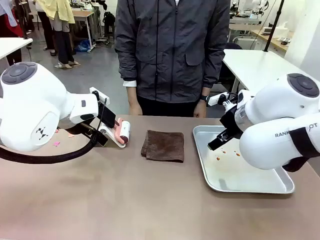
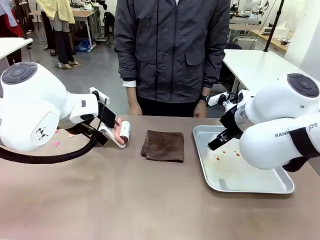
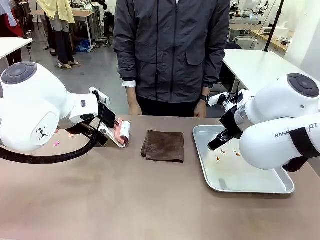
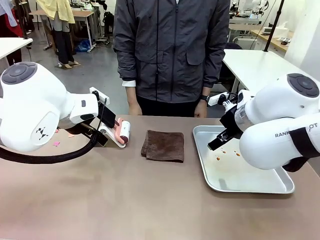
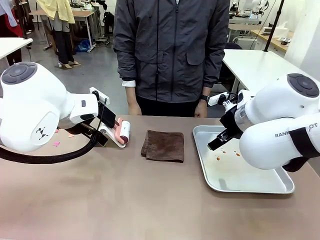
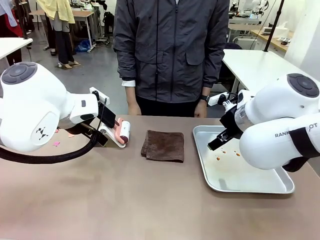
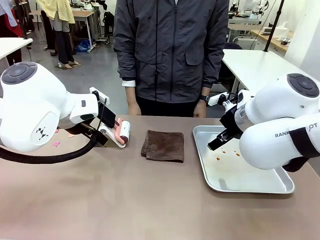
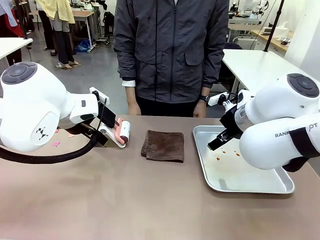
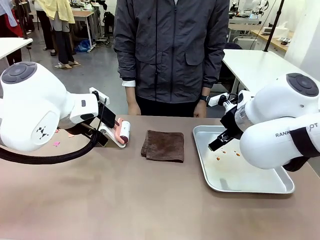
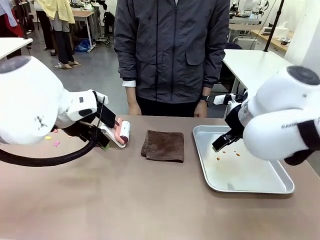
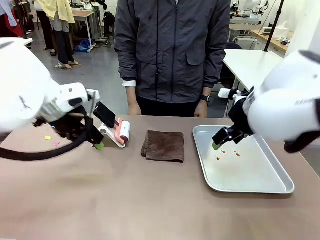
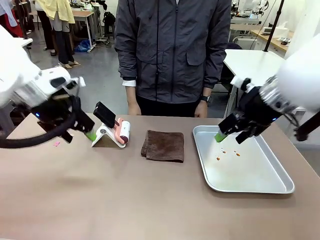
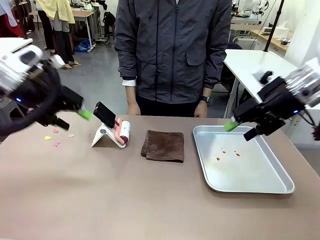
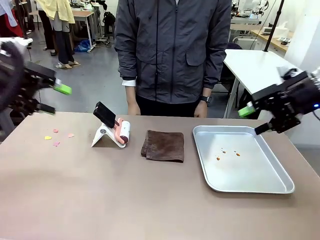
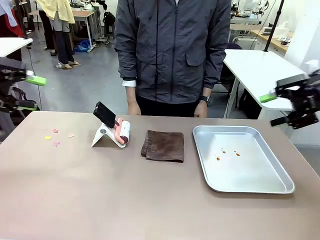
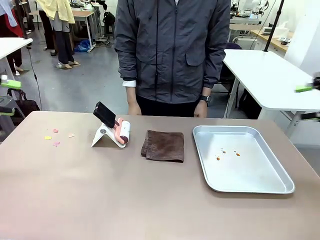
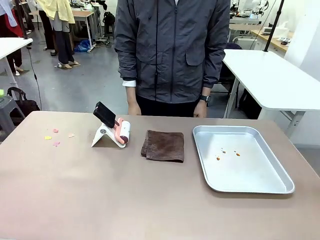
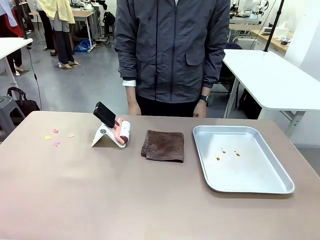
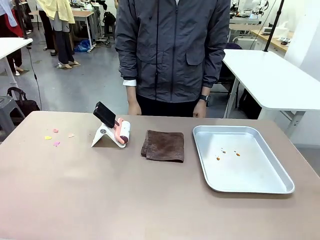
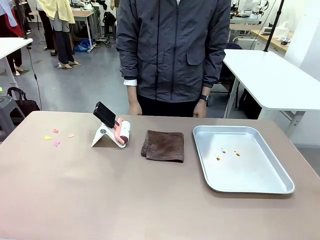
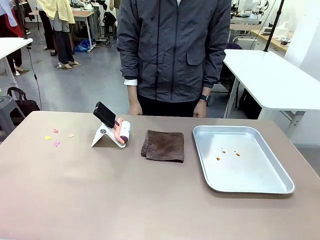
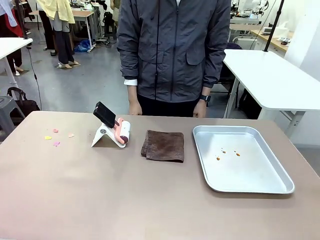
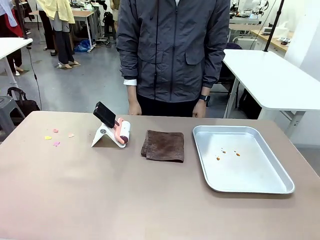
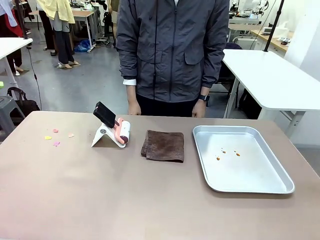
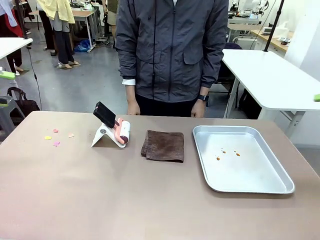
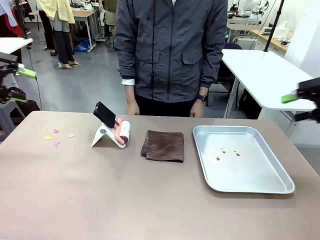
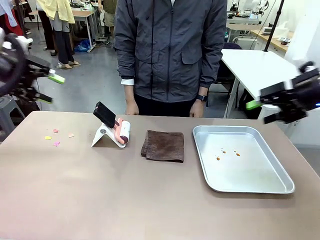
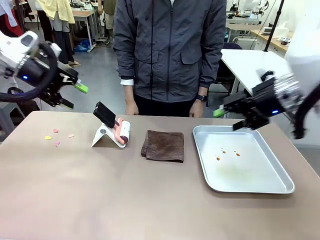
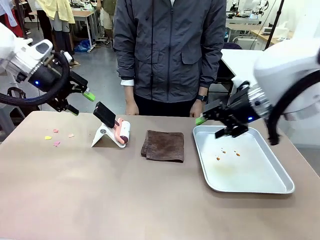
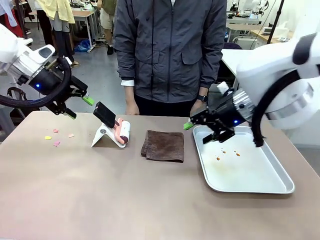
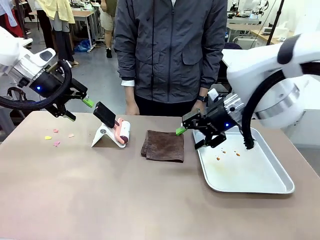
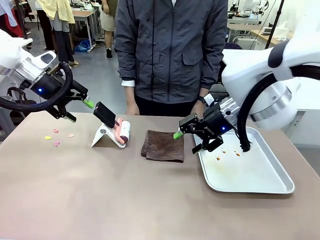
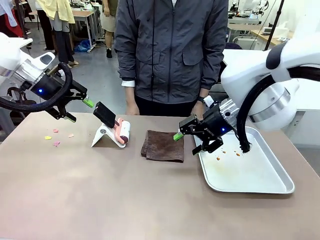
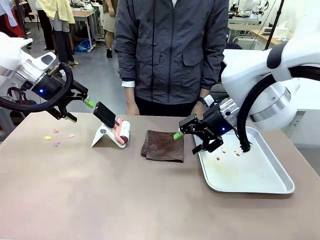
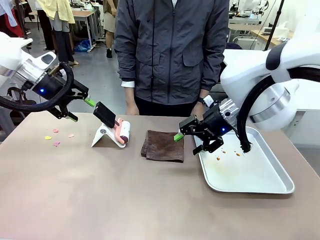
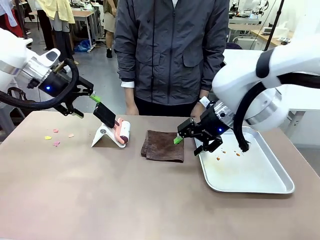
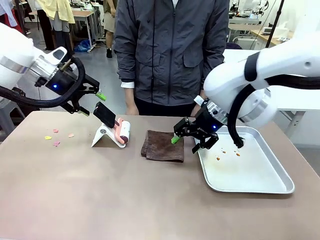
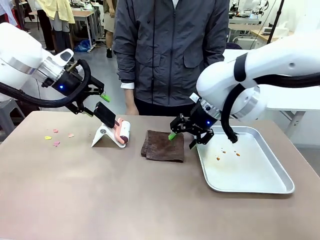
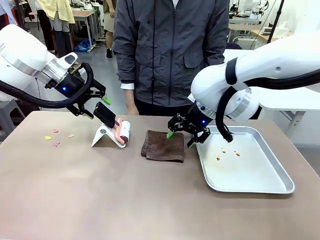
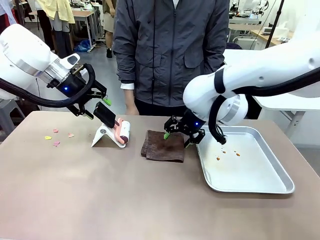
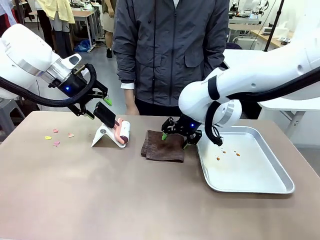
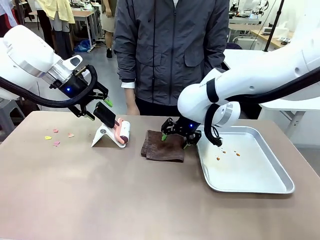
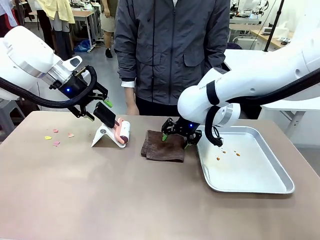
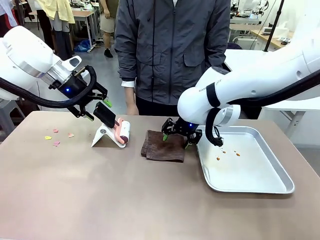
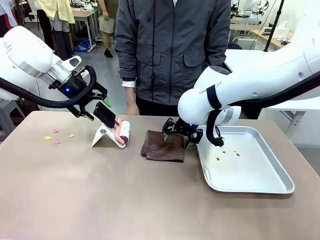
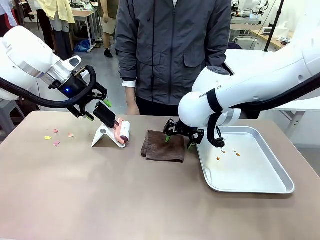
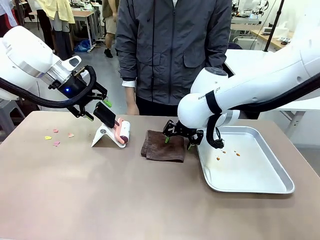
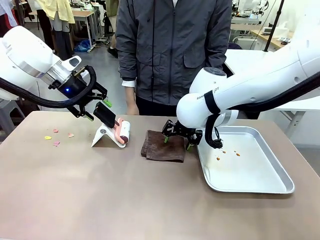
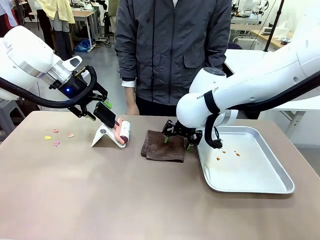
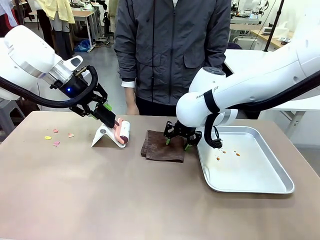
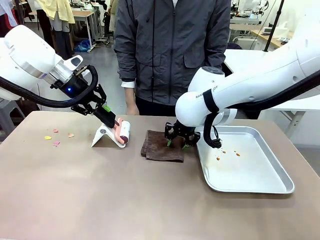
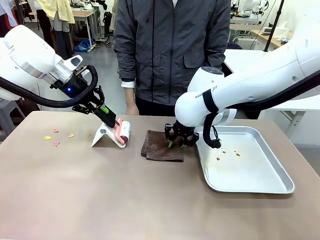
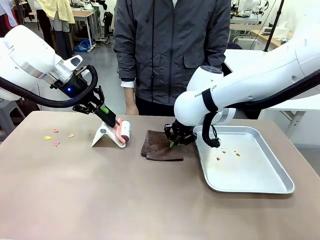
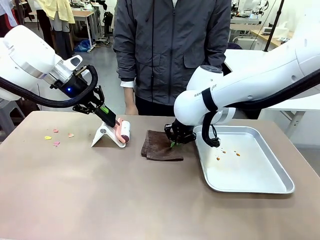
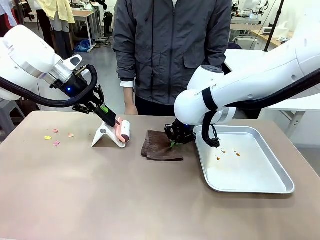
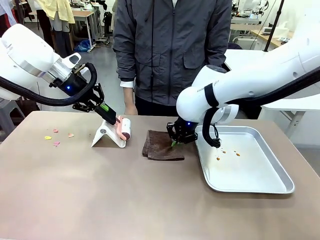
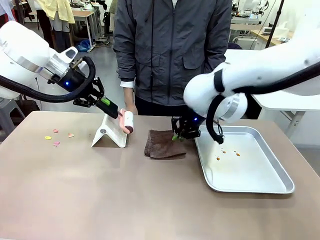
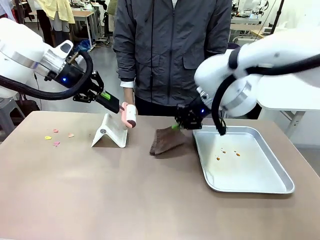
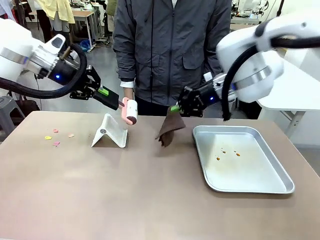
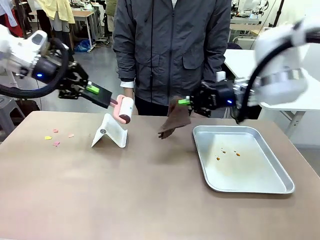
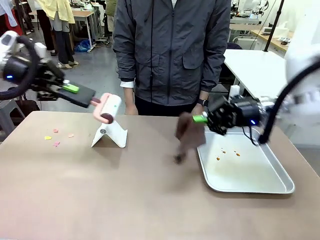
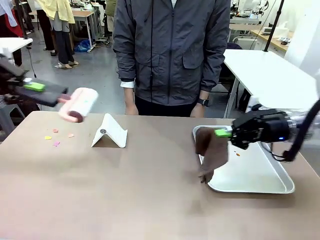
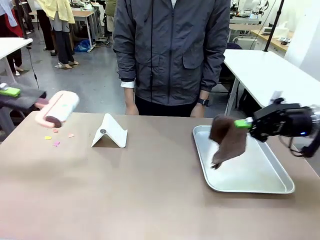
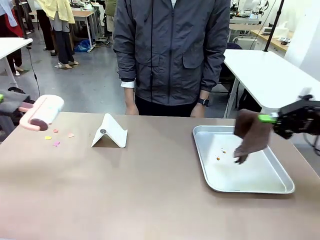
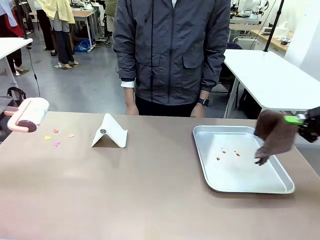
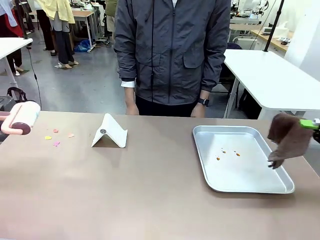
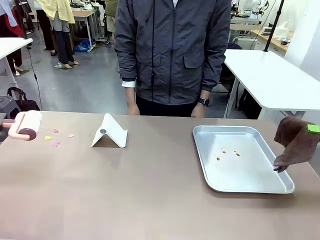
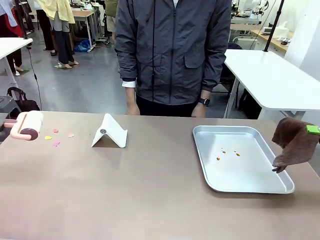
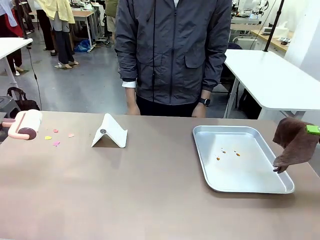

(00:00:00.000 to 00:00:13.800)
Task: Clean the surface of the table.
Robot: Hold the Lint Roller with your left hand and the towel with your right hand.

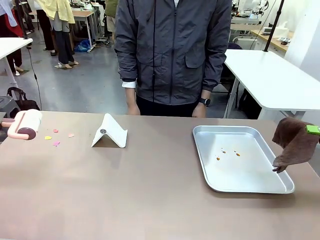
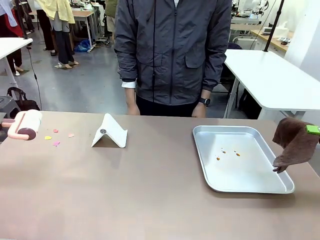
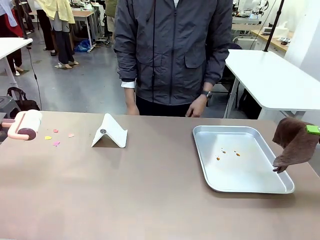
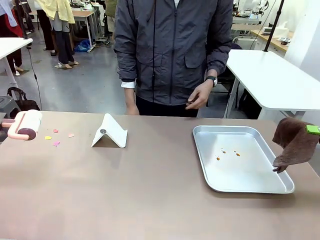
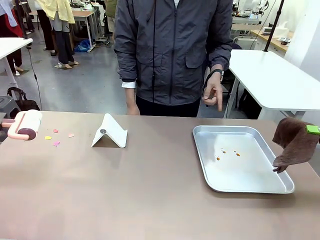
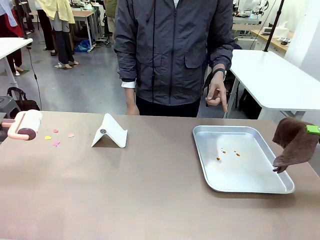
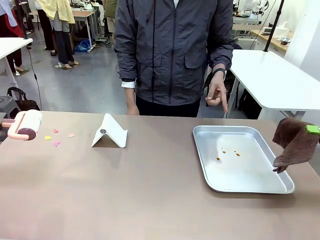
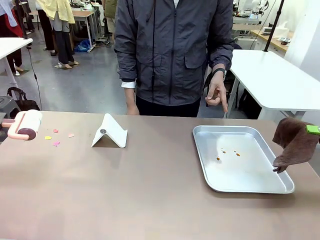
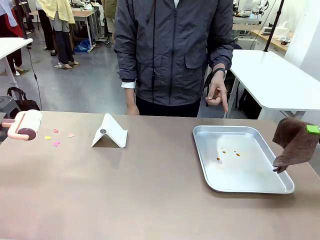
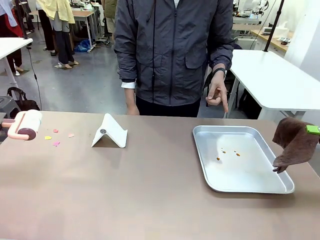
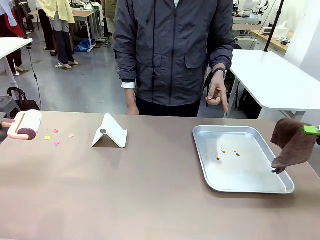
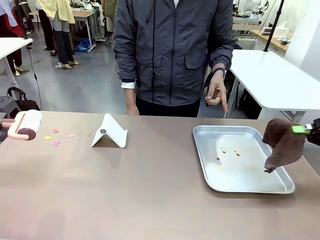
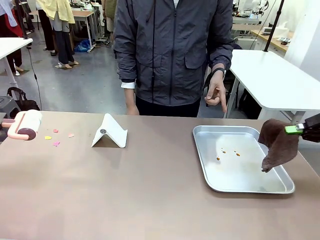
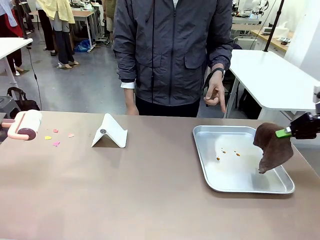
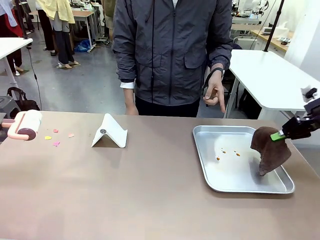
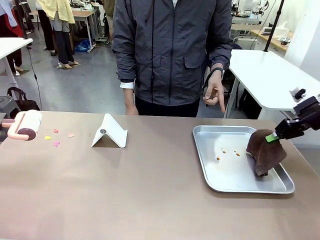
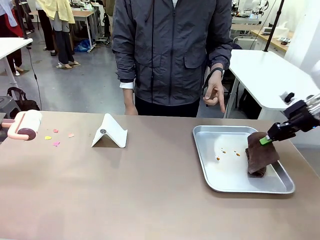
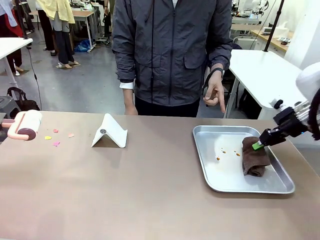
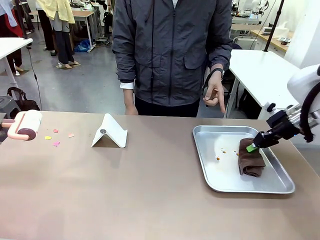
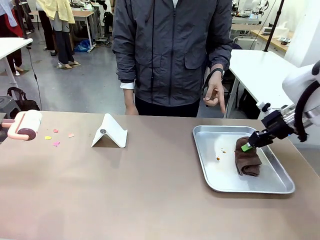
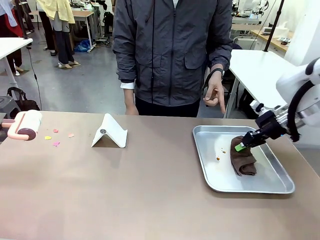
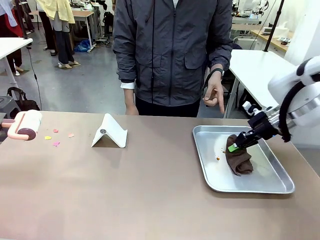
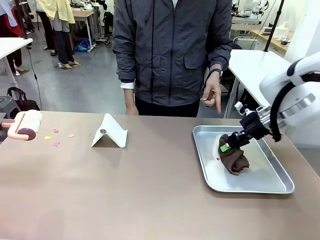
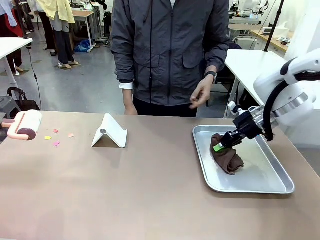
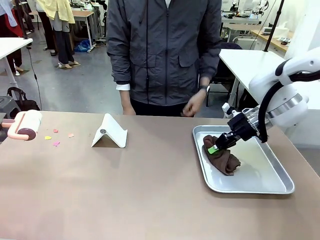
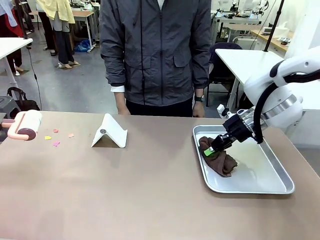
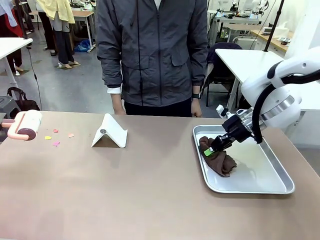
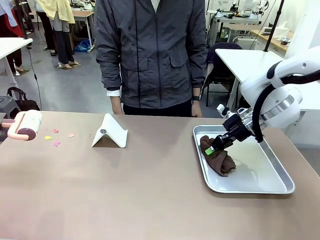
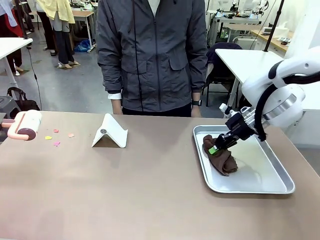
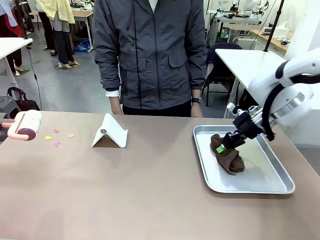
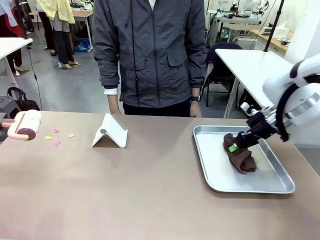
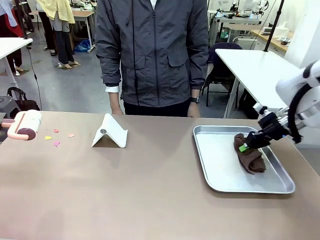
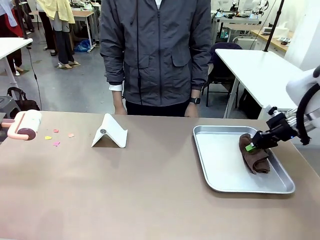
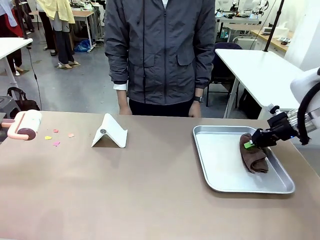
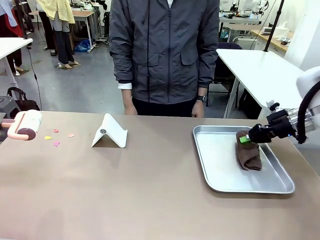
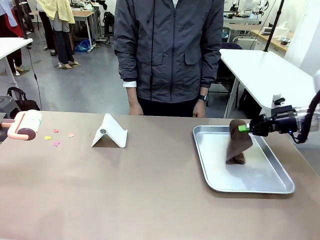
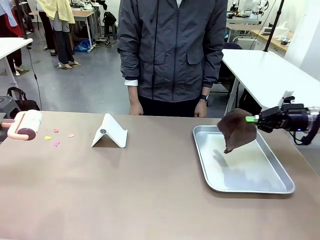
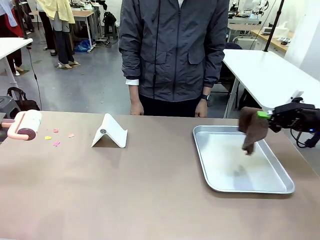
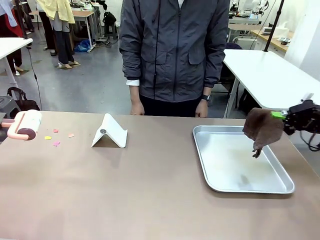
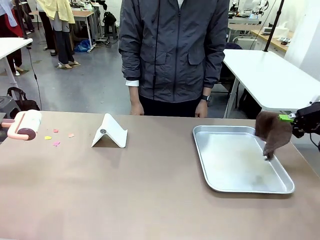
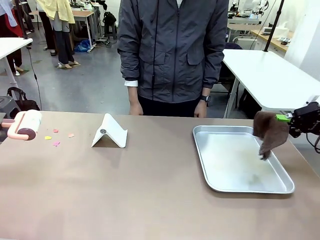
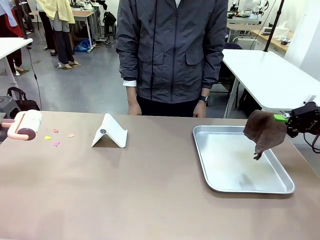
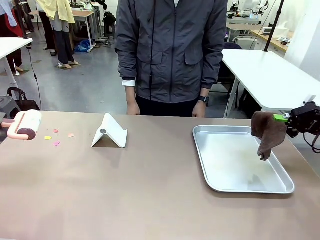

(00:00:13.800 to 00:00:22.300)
Robot: If a person points to the right, clean the right side of the table with your right hand, and if they point to the left, clean the left side with your left hand.
